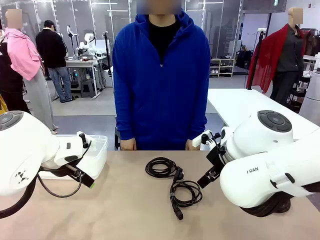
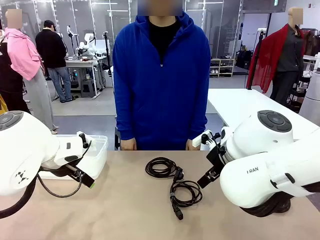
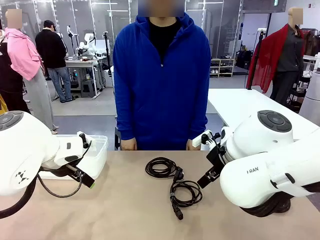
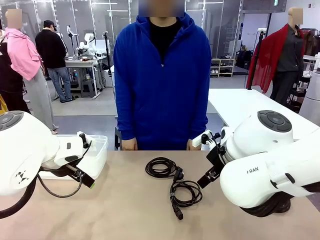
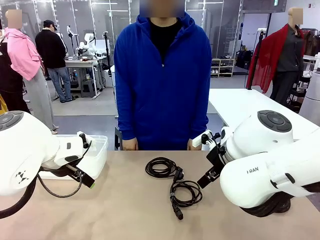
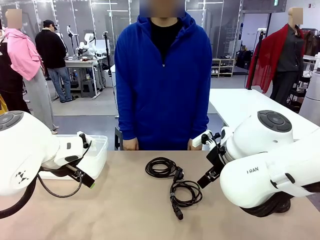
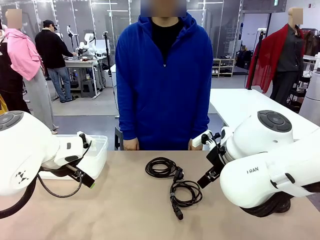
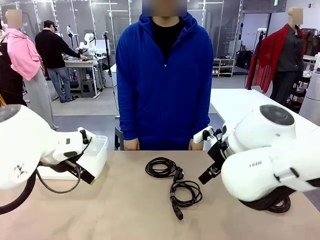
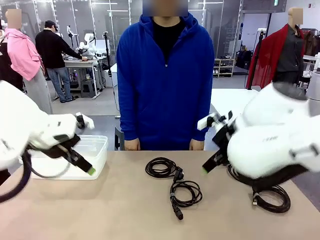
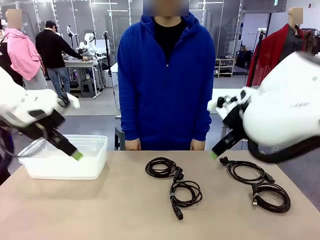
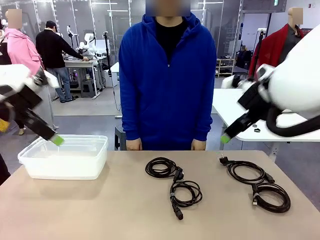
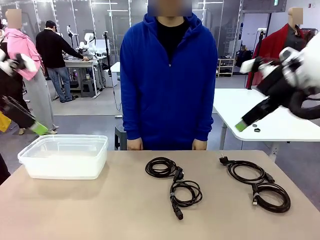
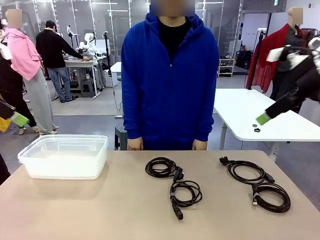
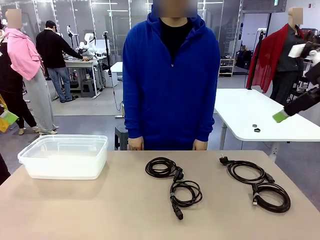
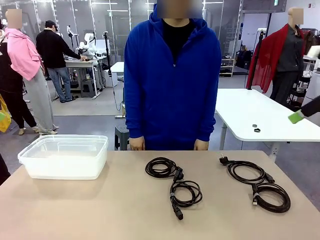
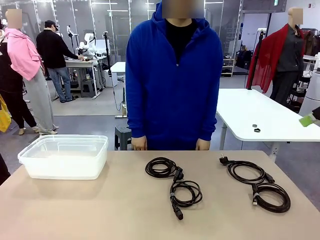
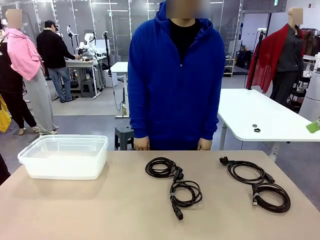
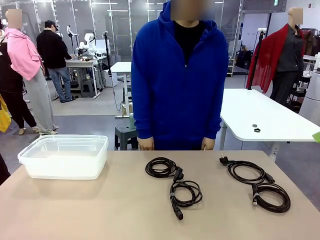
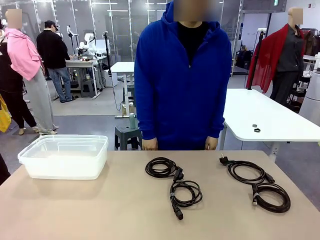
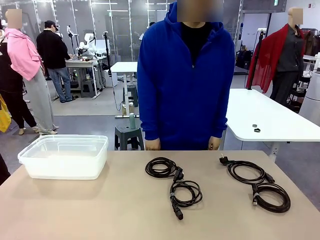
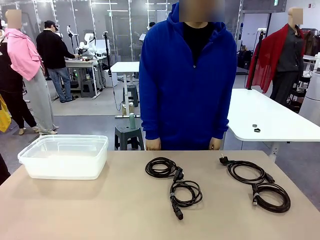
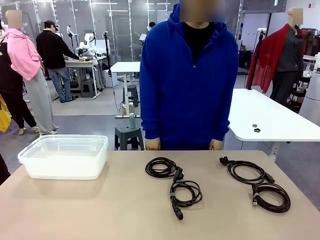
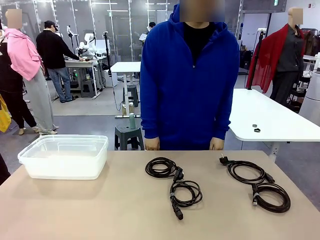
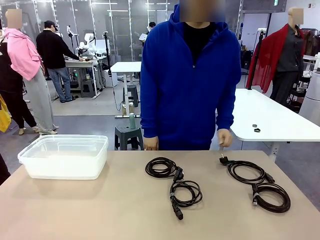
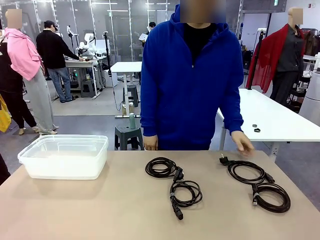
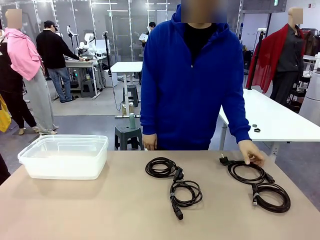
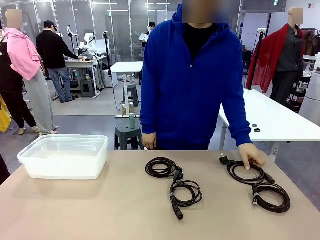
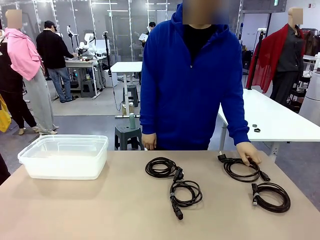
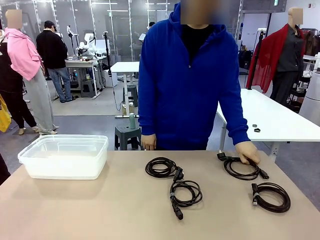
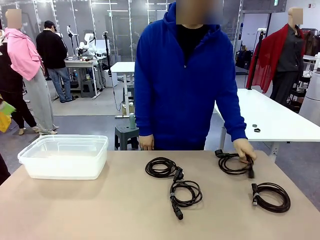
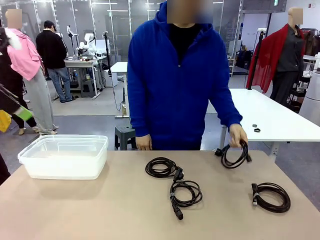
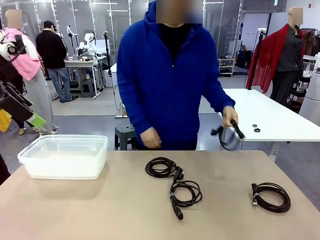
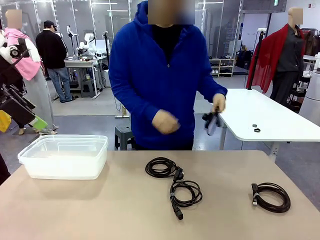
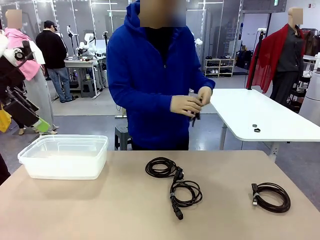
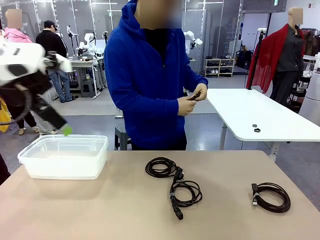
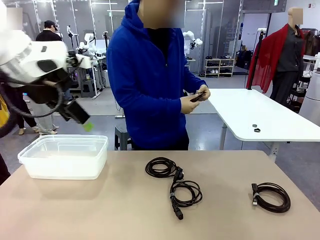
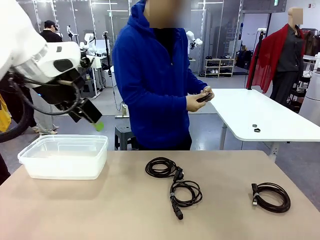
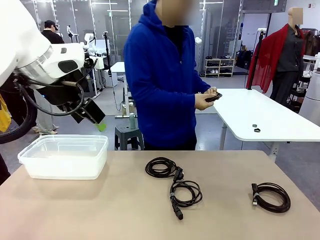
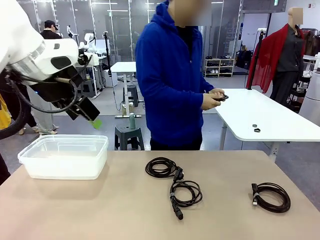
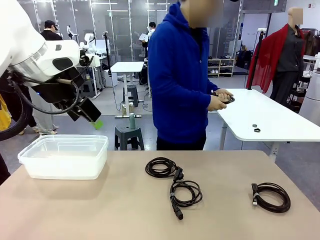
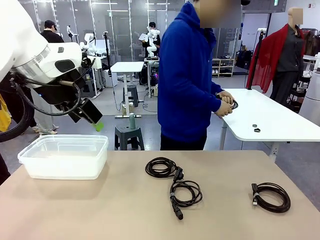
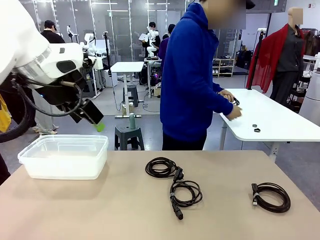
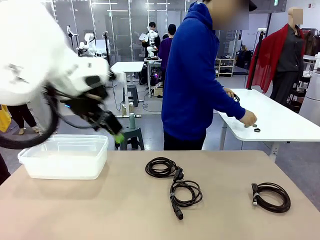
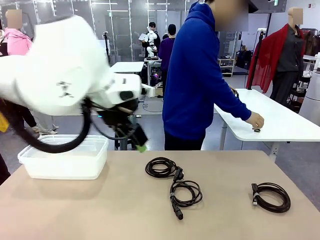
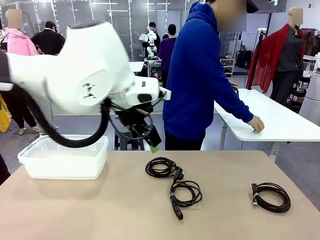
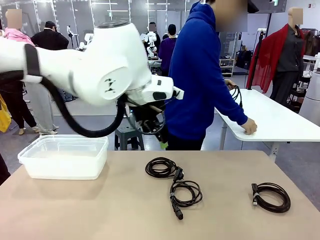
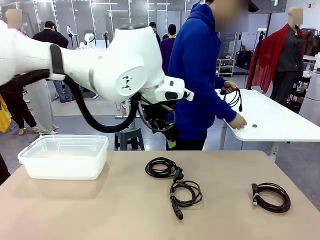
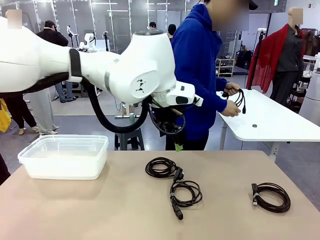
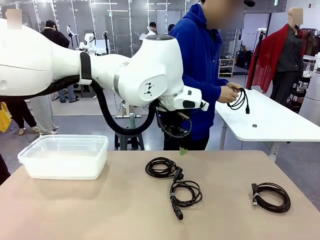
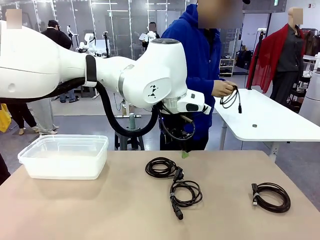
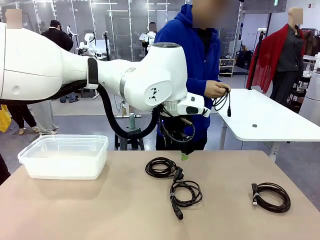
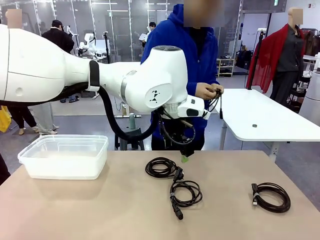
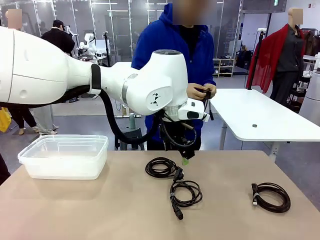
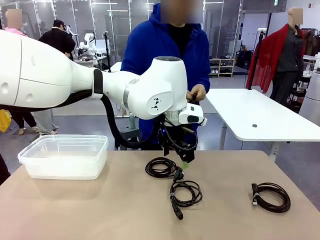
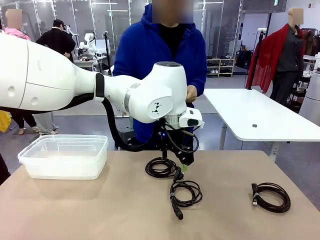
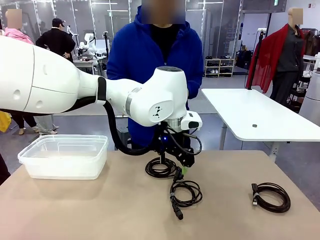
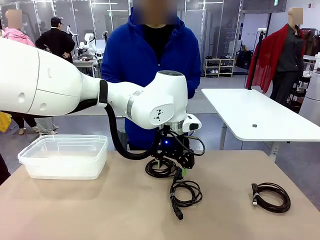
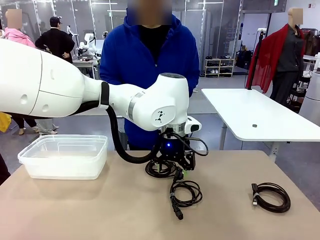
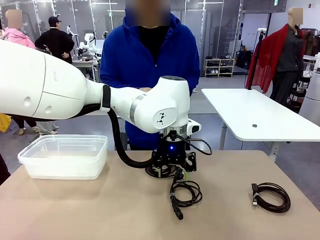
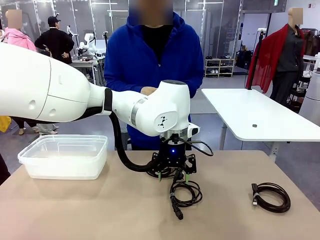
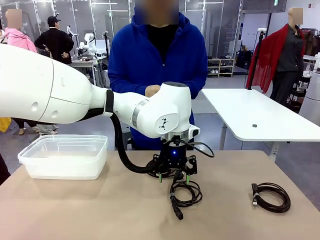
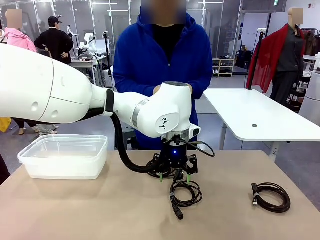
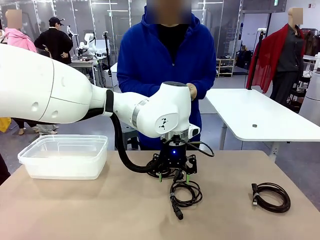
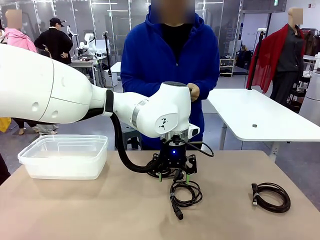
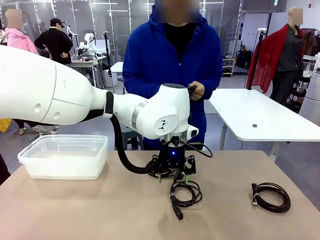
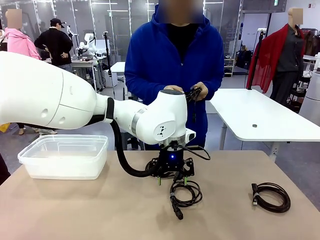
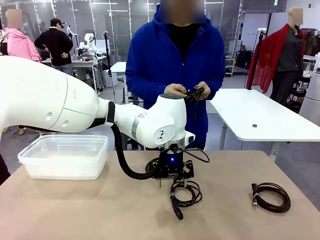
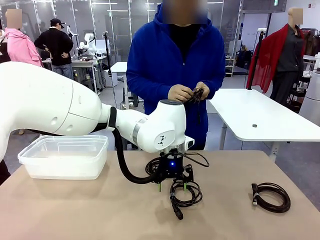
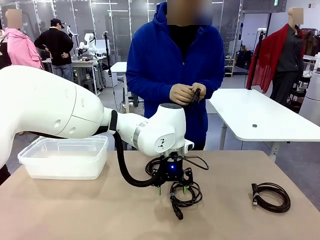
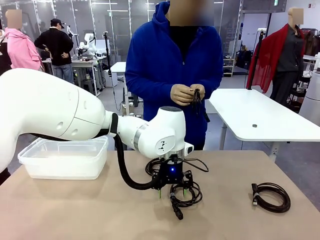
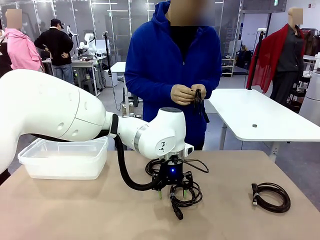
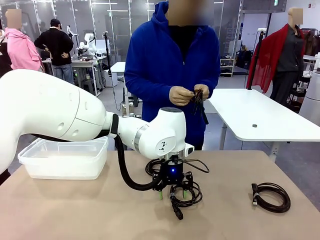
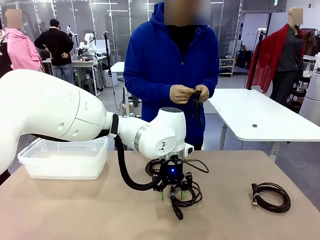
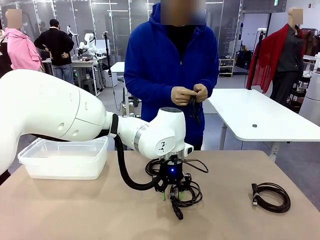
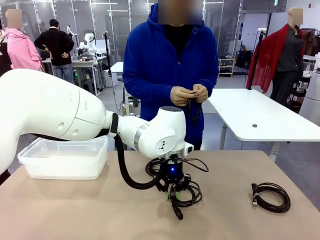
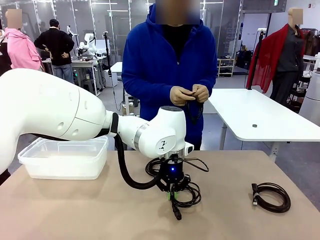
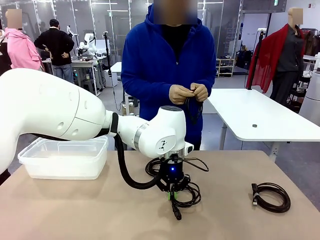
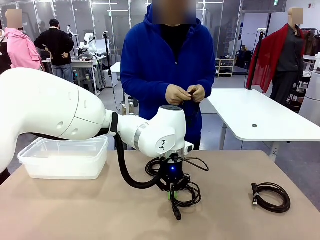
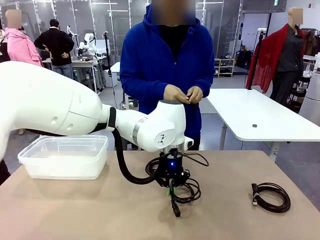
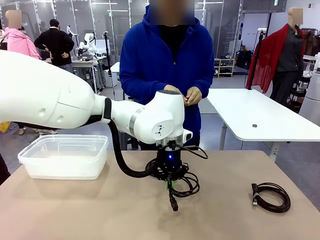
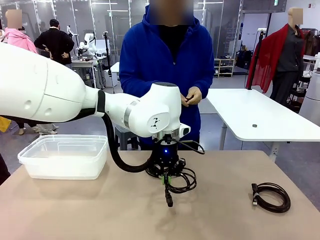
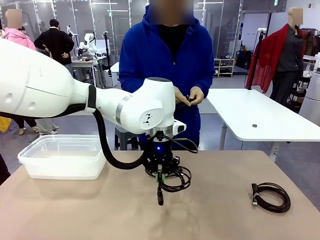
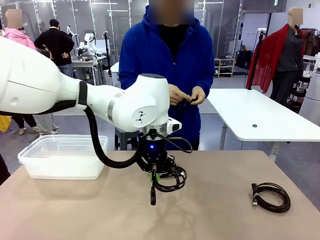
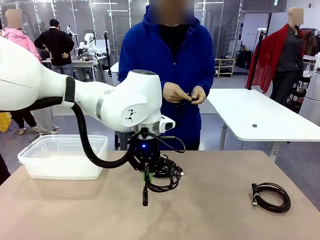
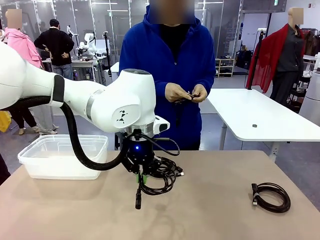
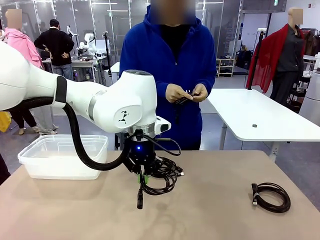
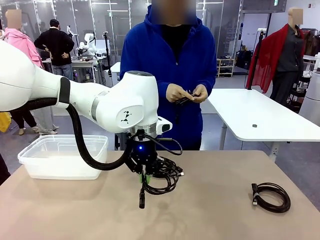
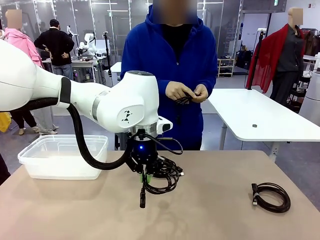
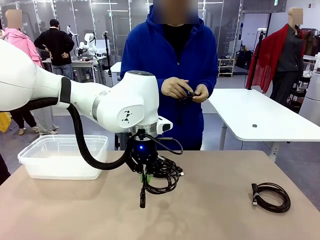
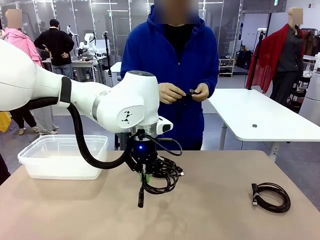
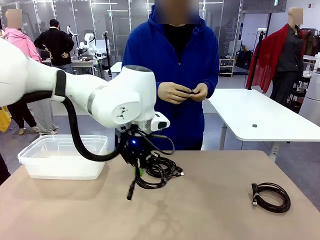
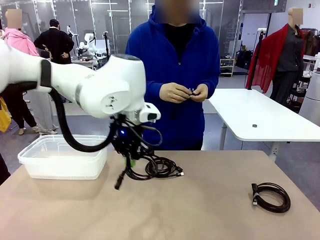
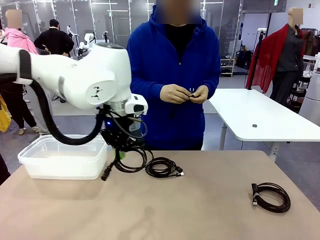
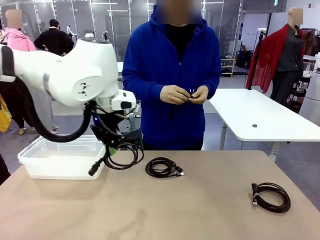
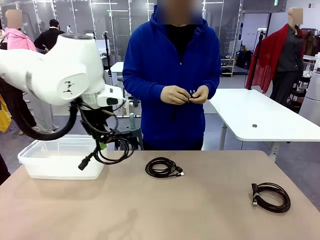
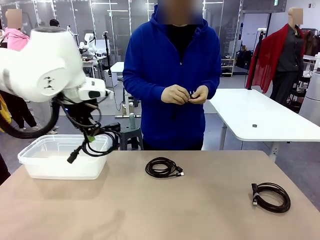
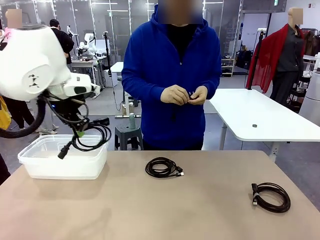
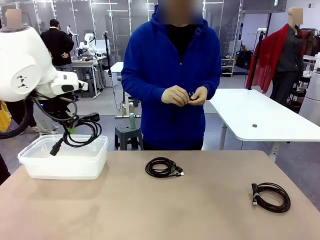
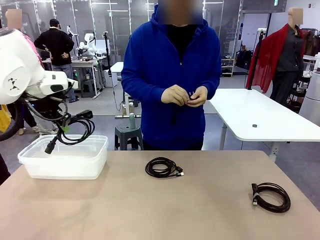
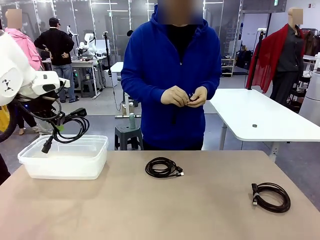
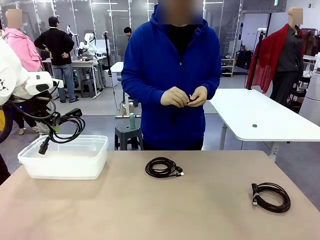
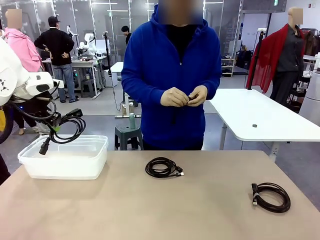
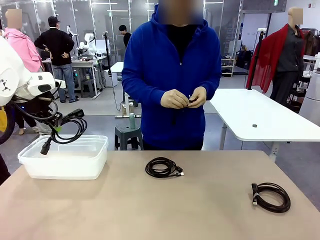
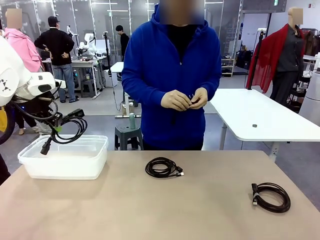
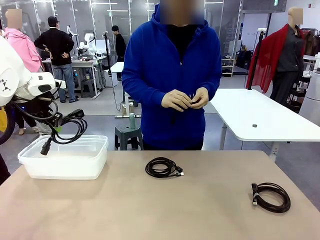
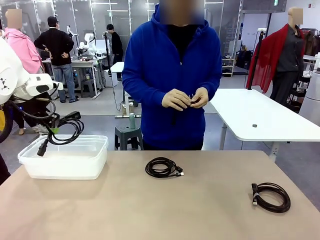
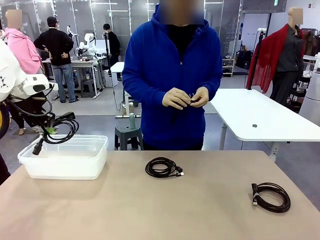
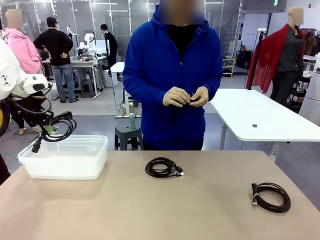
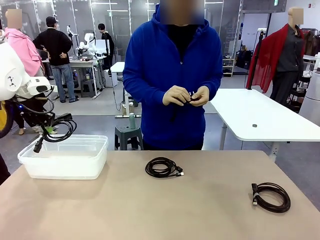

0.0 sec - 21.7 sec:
Task: Organize and store the cables.
Robot: Place the Power Cable into the Organizing box.
Person: Tie one Power Cable with a Reusable Cable Tie.
